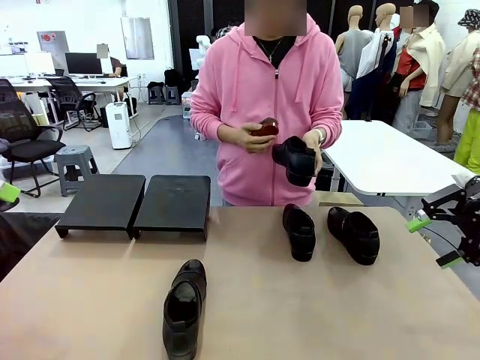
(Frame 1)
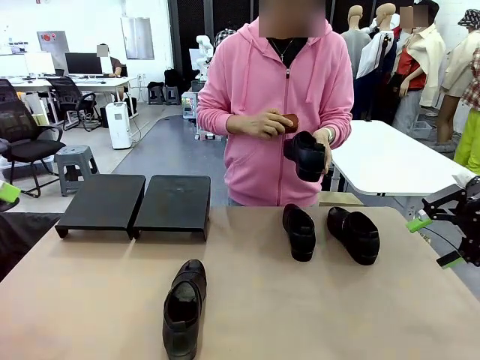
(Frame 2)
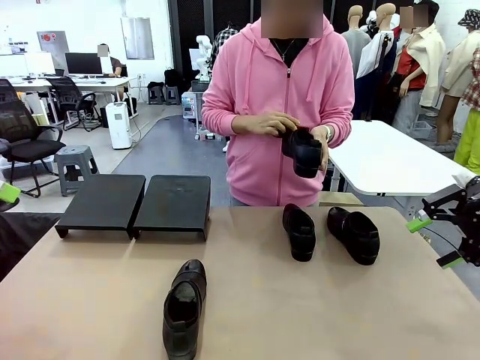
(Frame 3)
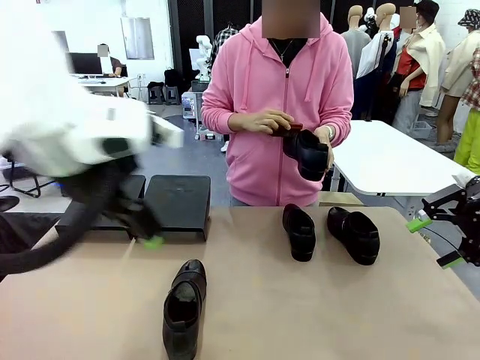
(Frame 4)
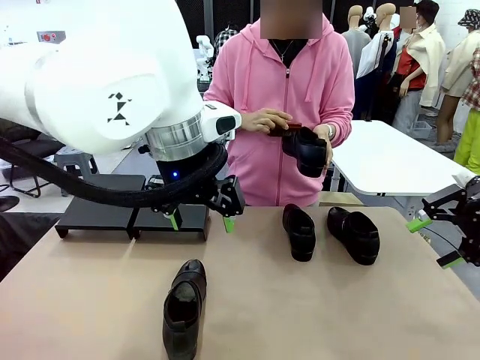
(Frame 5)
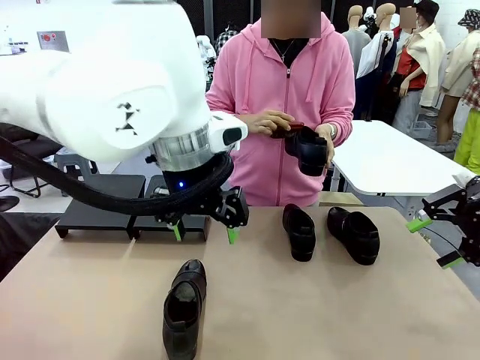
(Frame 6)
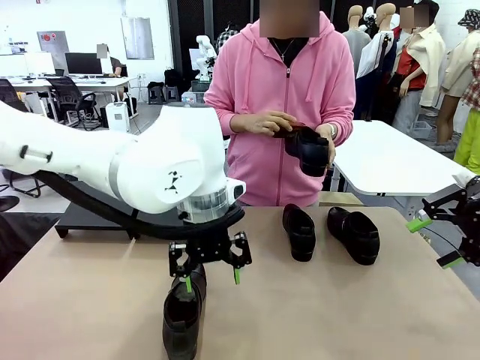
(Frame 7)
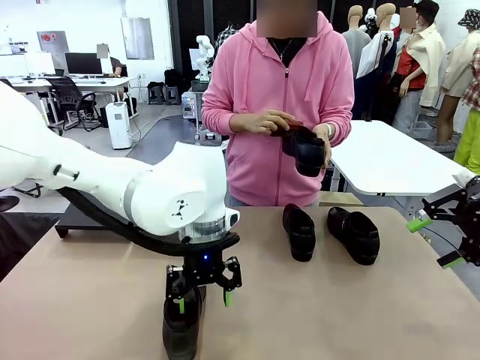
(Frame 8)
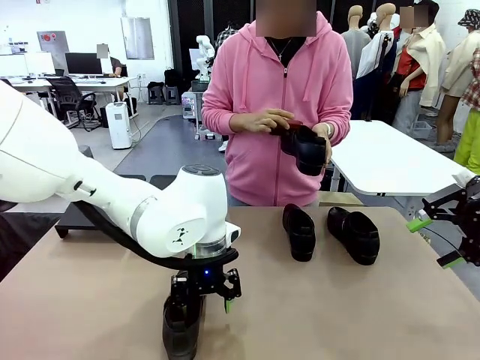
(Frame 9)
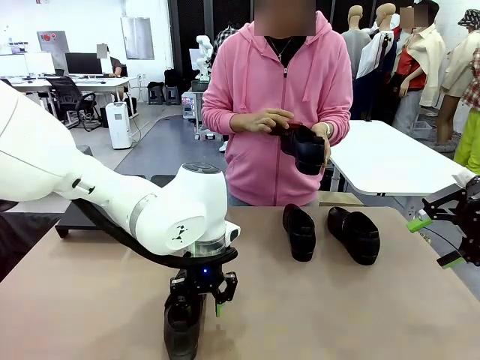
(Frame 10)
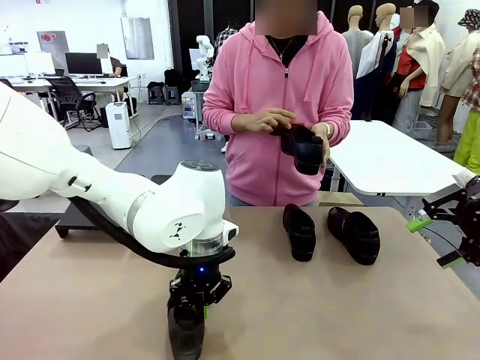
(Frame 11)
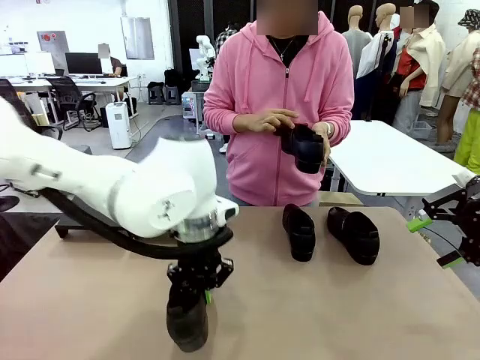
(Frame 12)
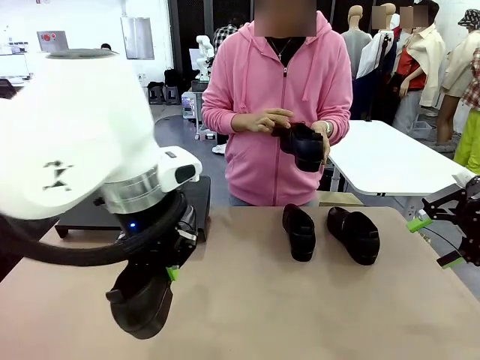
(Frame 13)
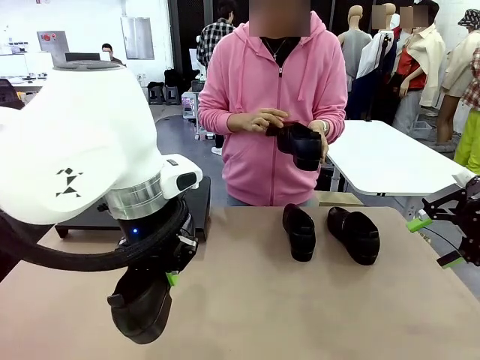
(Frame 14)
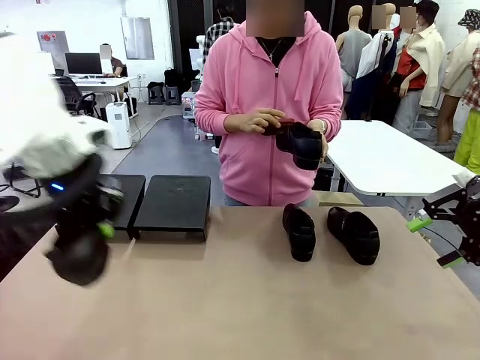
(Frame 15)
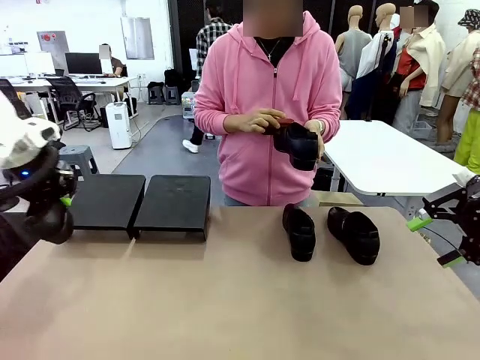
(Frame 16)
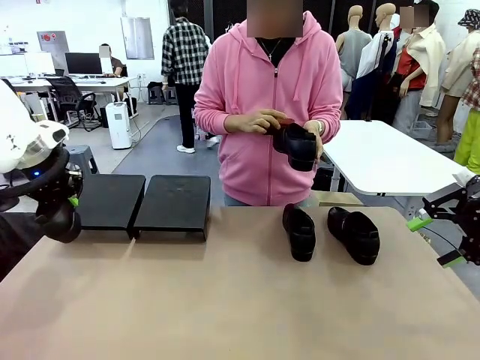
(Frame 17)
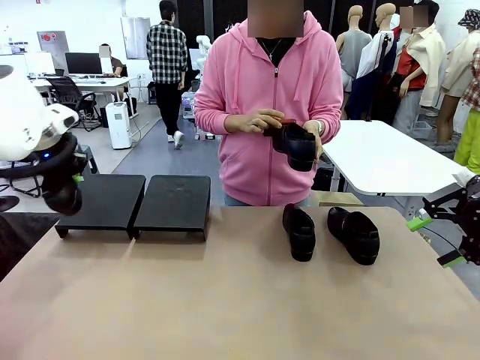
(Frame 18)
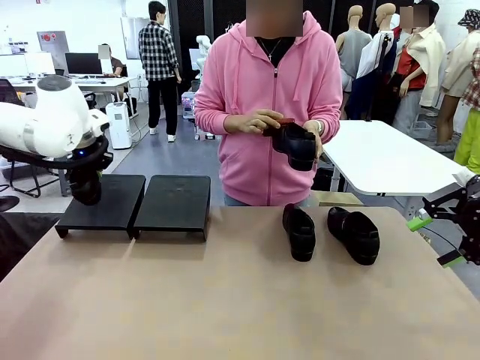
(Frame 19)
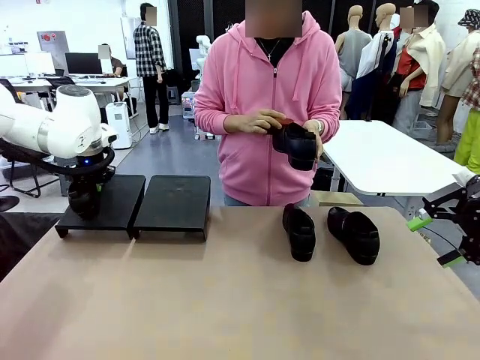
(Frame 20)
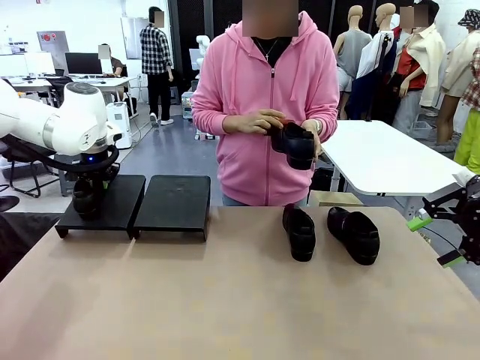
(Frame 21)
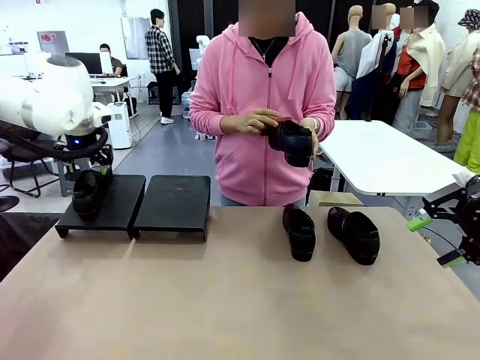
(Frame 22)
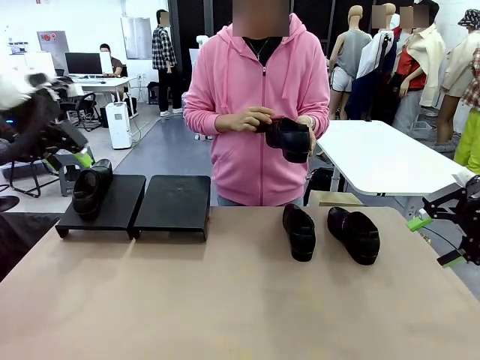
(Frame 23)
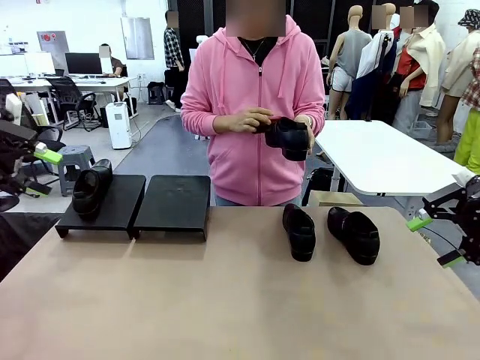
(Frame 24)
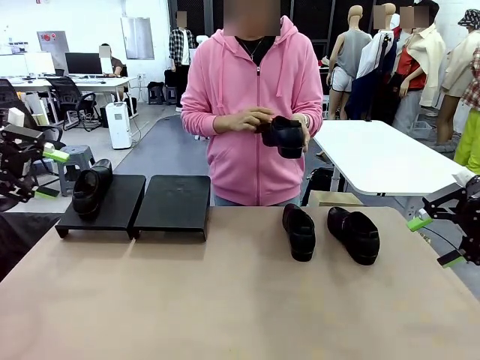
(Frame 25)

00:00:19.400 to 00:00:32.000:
Task: Organize the shoes by placing them on the stand.
Robot: Place the Shoe from the middle of the table onto the Shoes Stand.
Person: Clean the Shoe with the Shoe Brush.

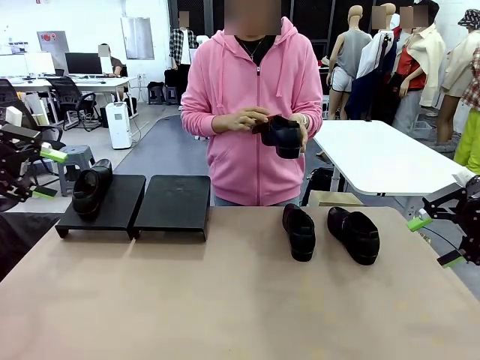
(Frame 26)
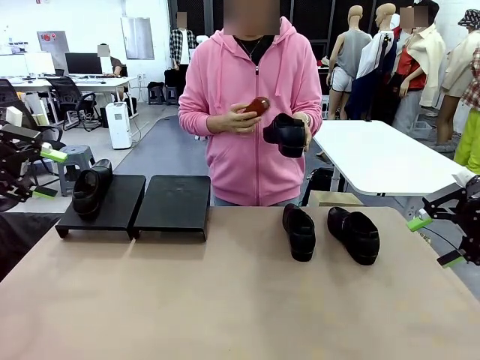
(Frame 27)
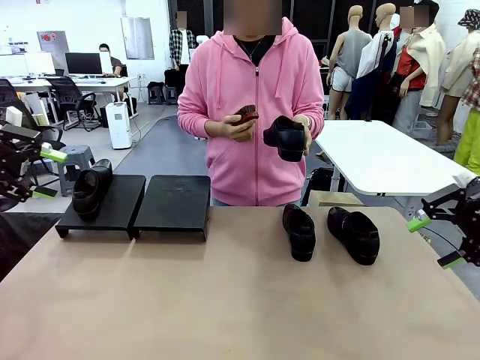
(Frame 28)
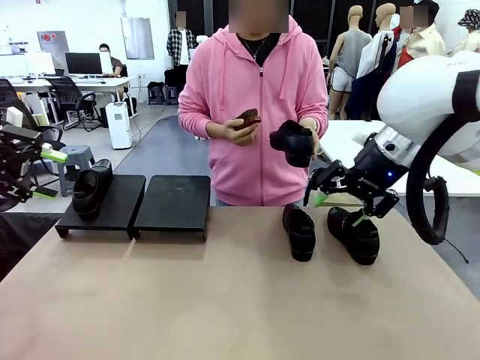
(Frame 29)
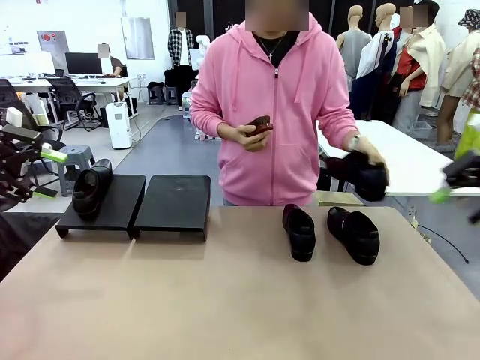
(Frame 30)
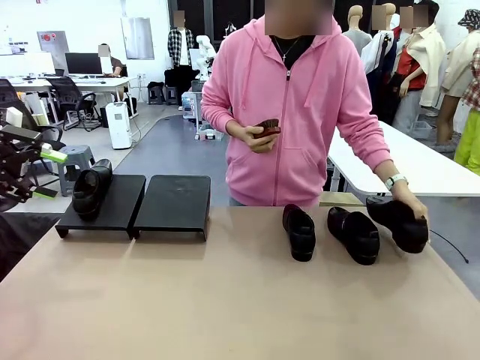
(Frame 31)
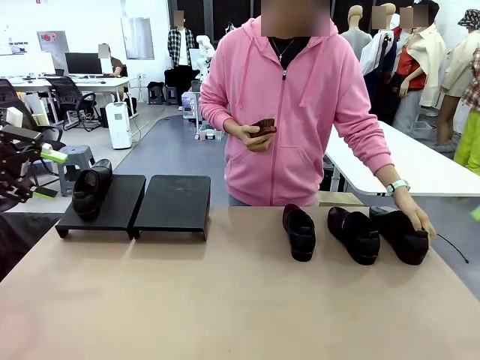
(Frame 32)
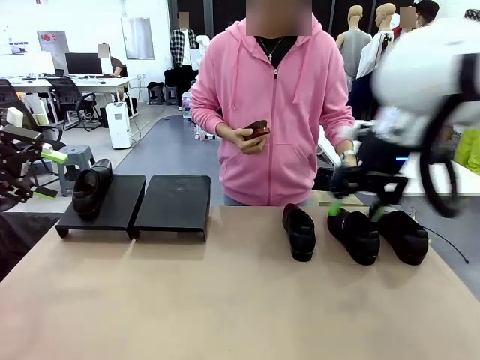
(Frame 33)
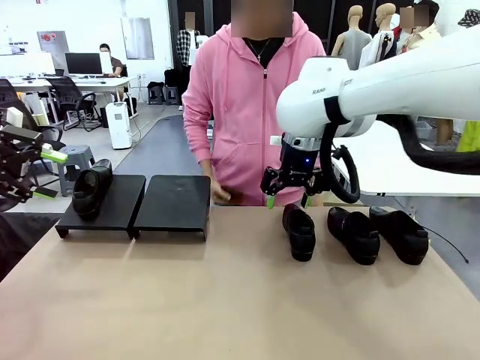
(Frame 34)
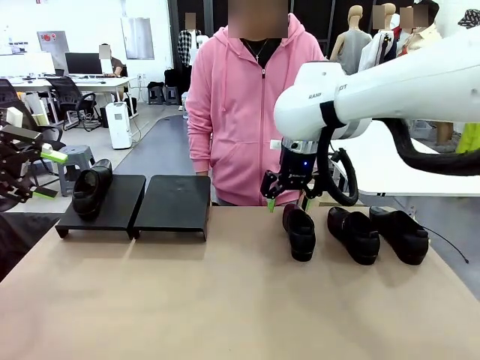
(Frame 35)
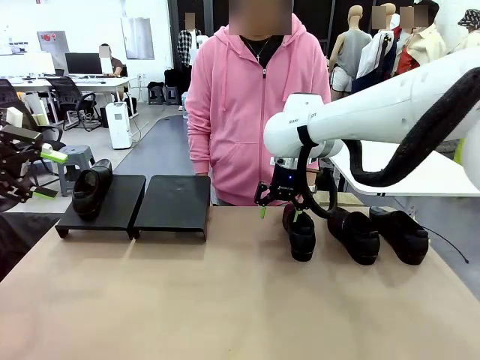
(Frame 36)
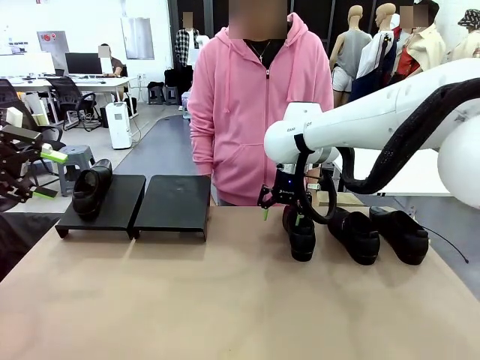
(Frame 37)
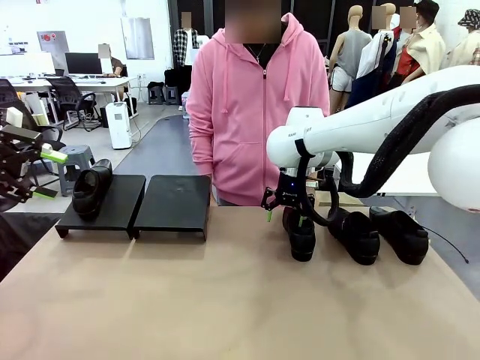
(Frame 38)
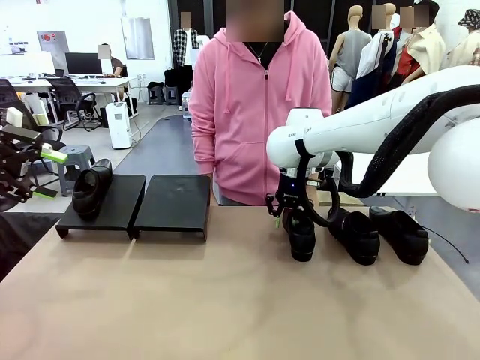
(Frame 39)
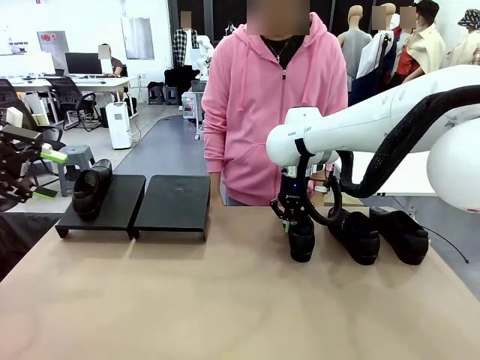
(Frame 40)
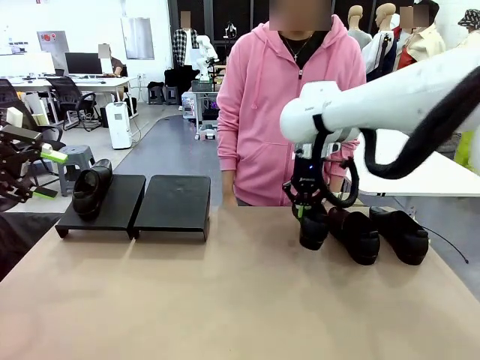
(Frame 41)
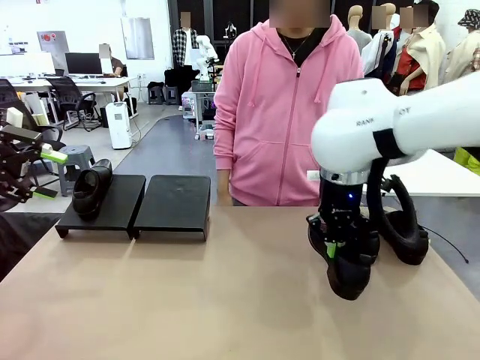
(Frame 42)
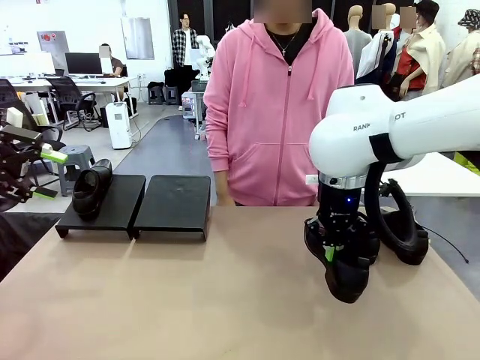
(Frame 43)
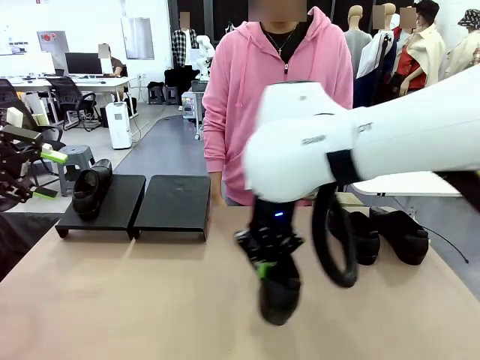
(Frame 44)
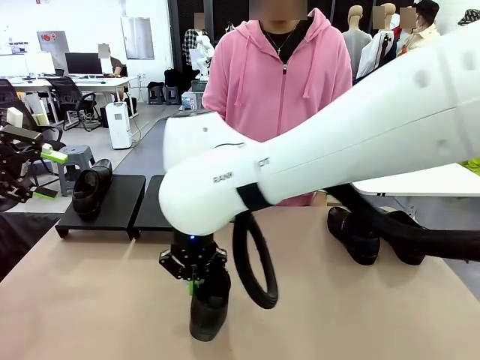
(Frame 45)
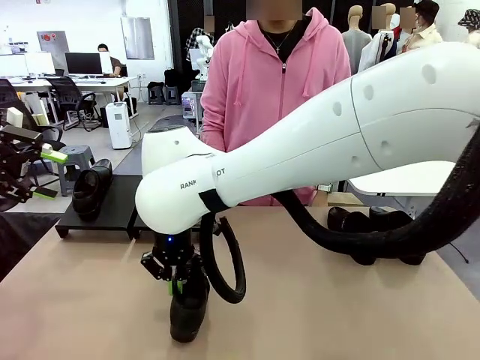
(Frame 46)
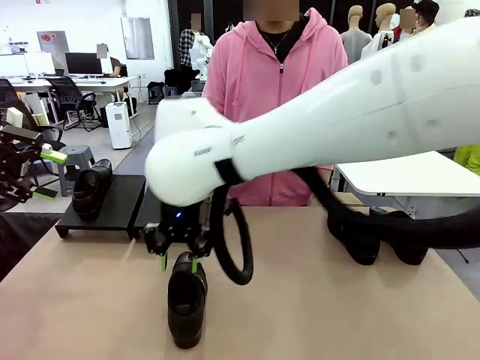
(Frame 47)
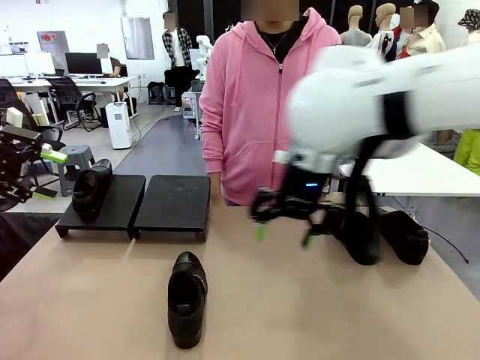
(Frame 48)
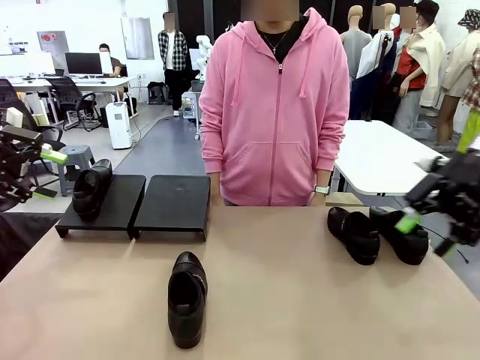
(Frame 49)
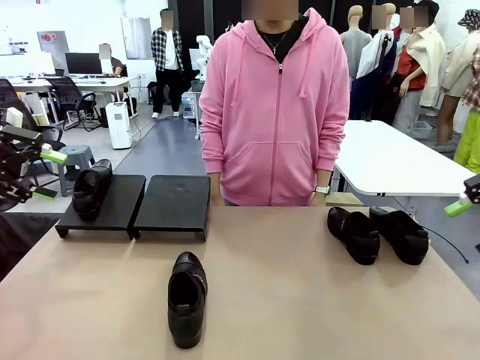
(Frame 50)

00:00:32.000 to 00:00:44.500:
Robot: Pick up one Shoe and place it in the middle of the table.
